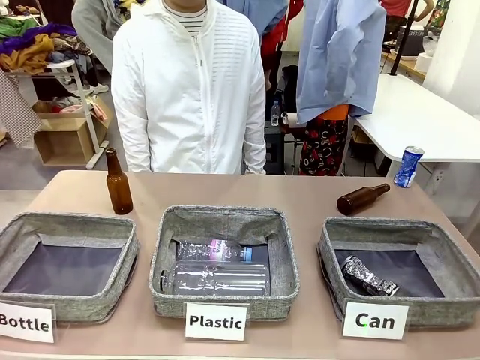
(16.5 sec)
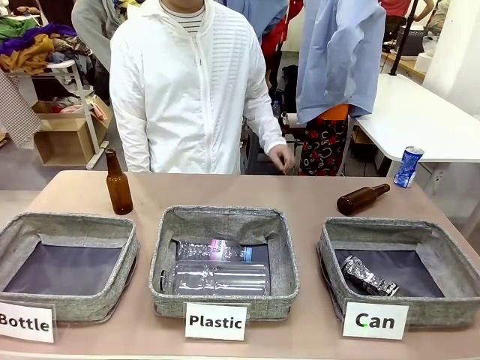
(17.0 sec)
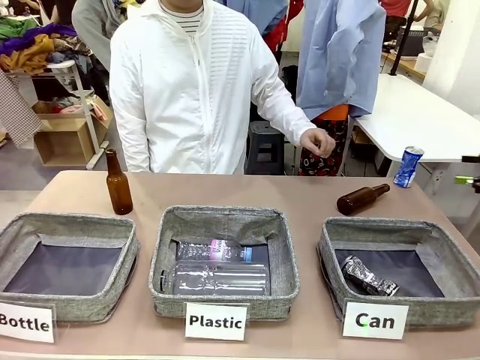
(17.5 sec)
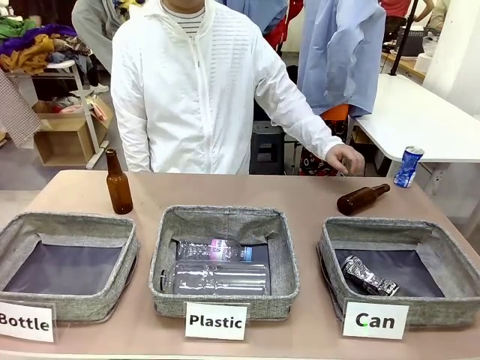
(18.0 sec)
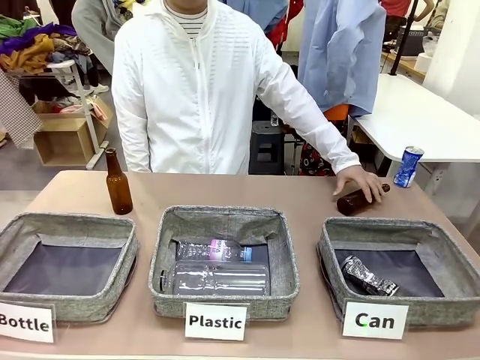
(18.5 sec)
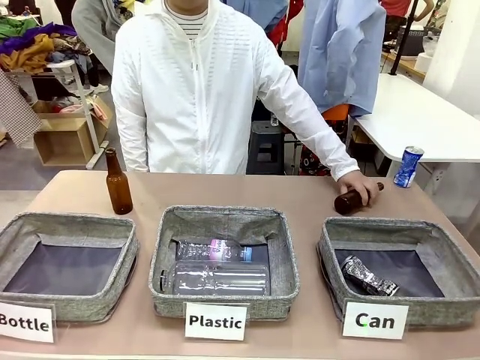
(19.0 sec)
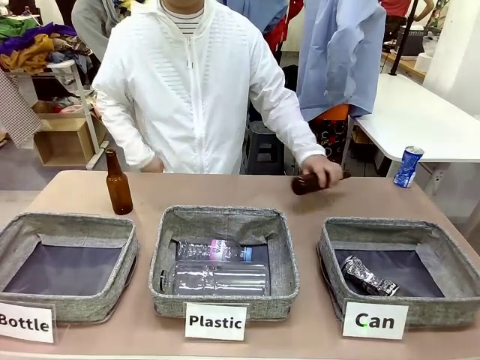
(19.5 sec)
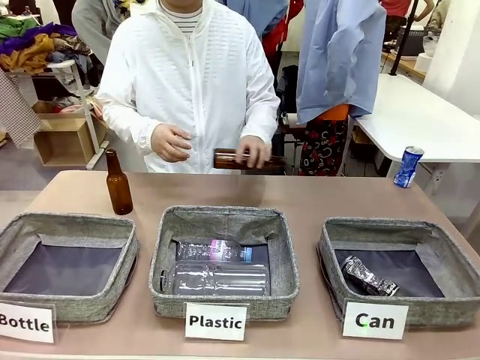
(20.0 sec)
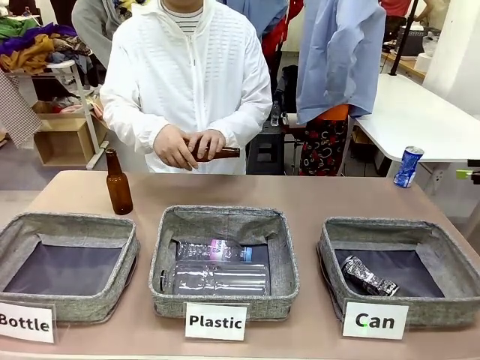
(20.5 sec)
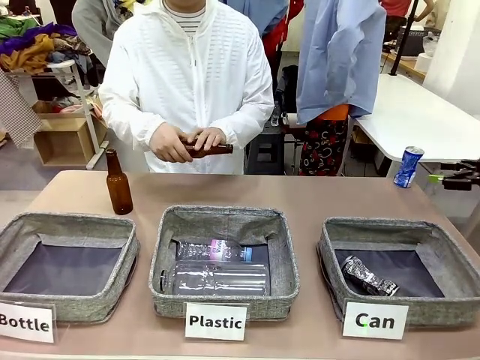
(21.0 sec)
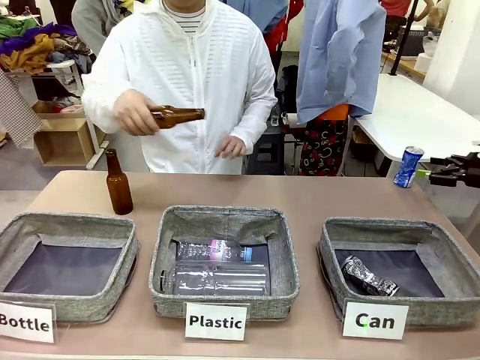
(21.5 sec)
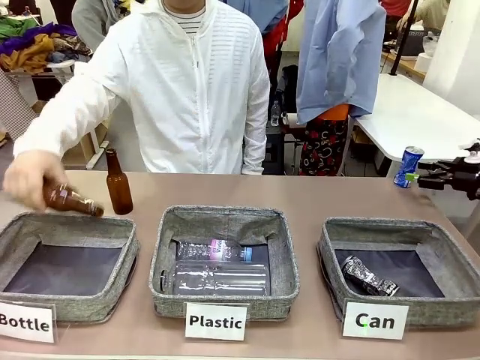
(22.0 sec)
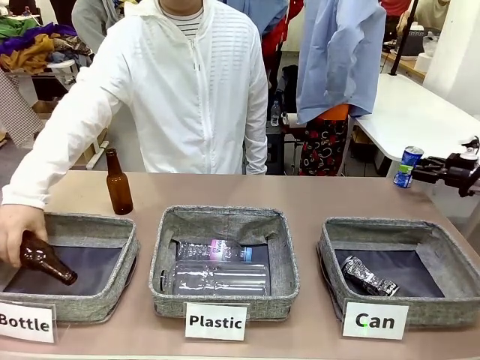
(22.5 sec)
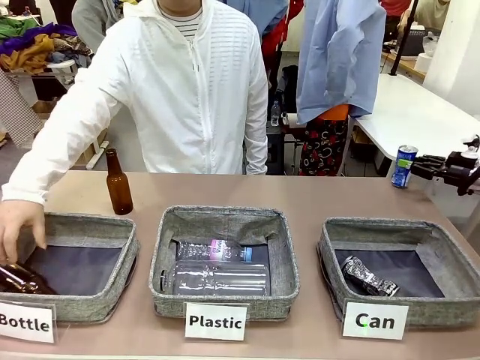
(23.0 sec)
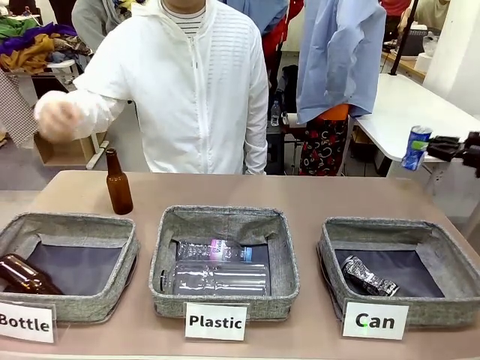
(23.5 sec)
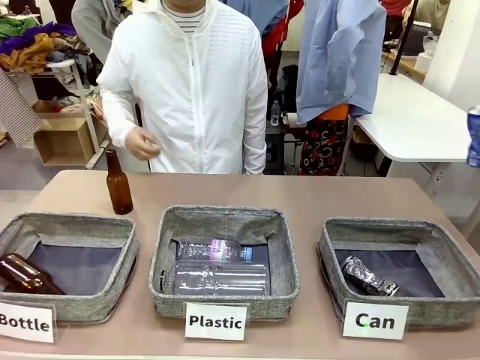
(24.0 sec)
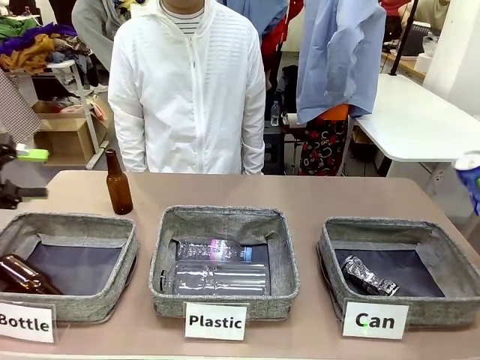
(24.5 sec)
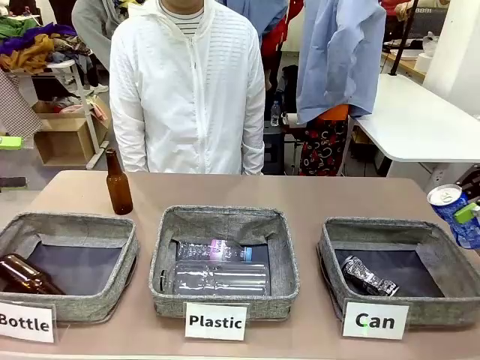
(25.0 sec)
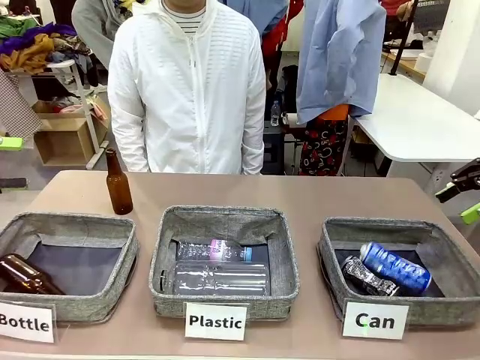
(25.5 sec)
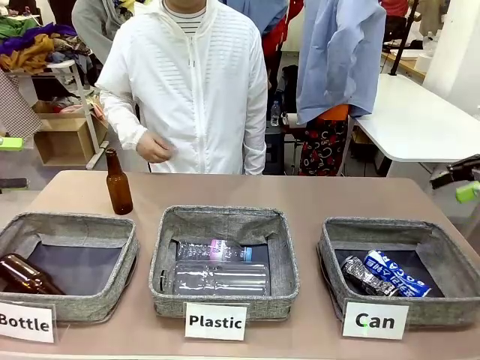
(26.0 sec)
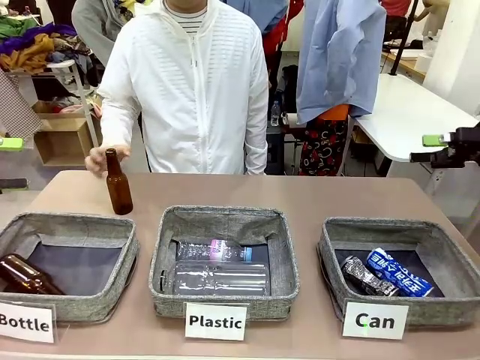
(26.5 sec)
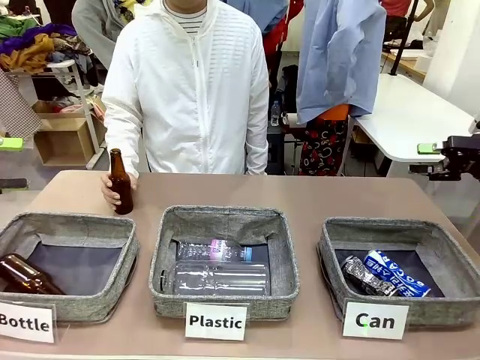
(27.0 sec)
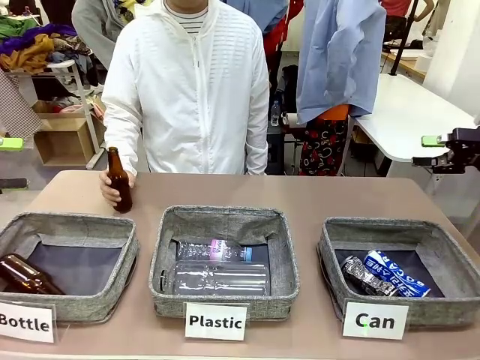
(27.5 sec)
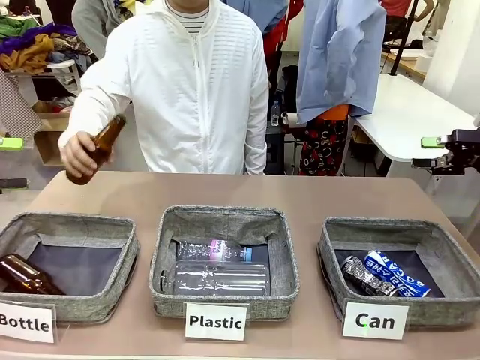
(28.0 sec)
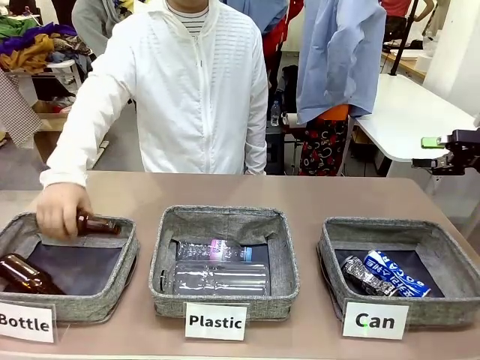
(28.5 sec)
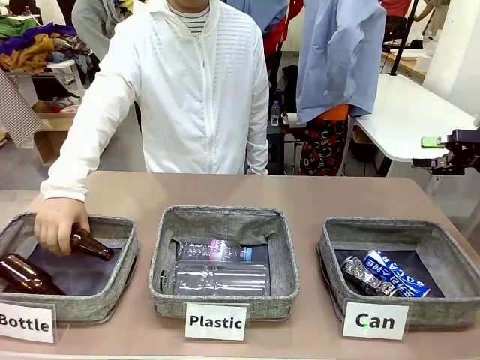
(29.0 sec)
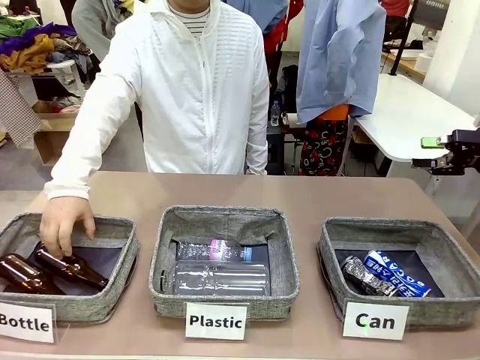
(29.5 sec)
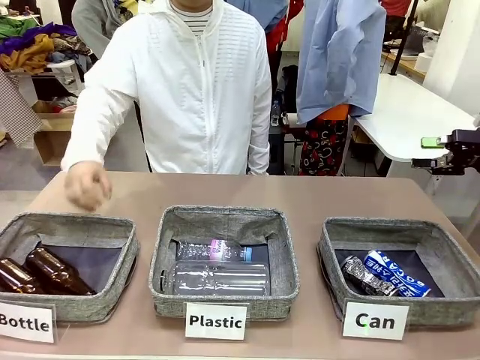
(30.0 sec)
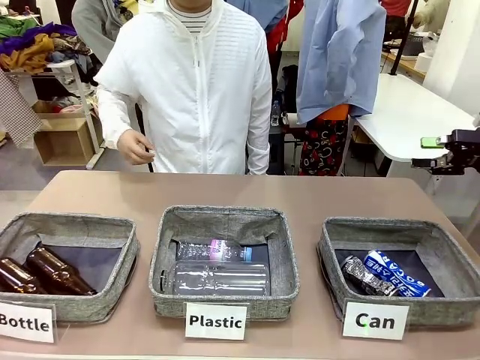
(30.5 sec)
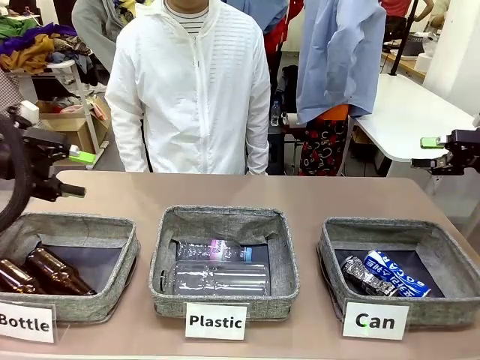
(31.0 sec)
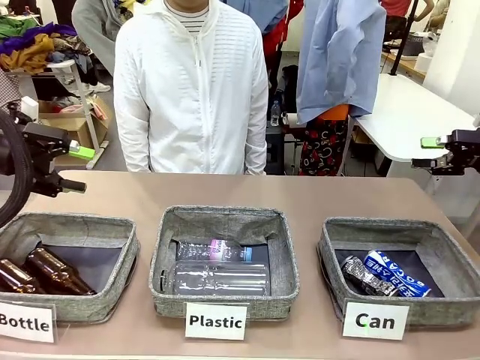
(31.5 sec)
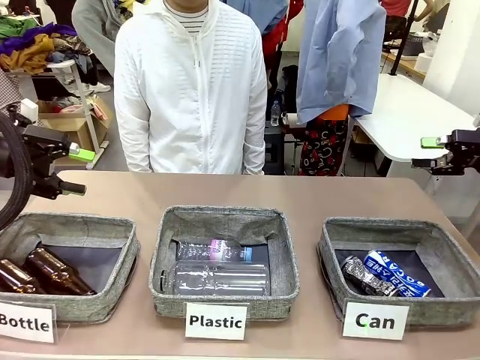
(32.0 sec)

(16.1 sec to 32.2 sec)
Task: Sort the can waste into the basket.
Robot: Pick up the can waste from the table and place it in the right Fabric basket.
